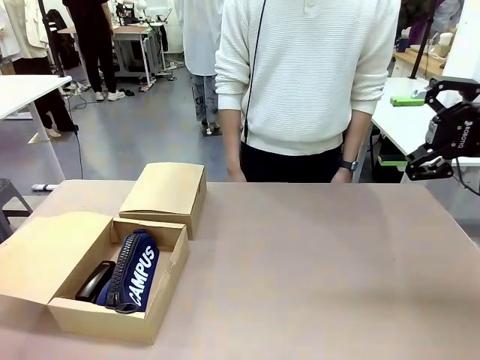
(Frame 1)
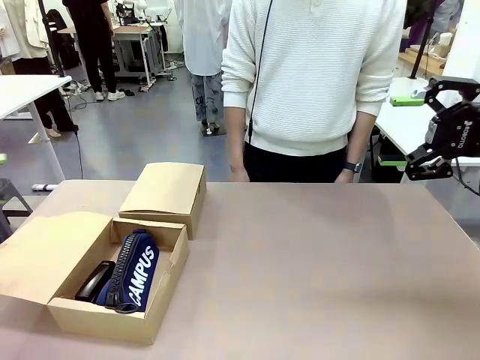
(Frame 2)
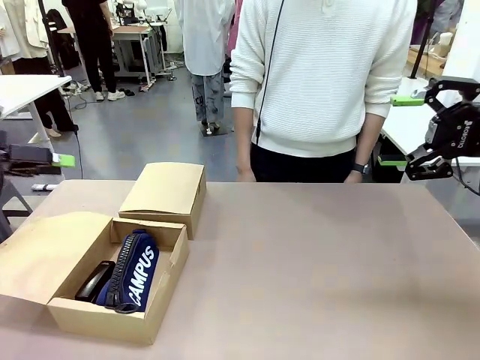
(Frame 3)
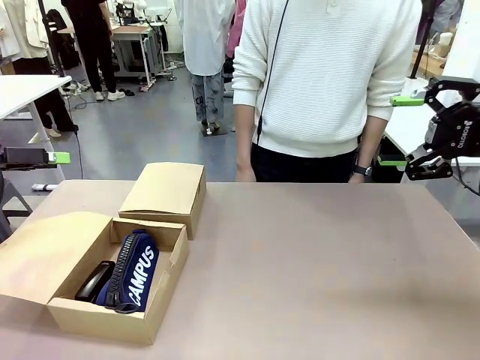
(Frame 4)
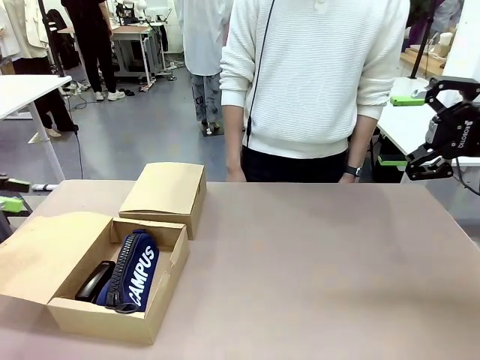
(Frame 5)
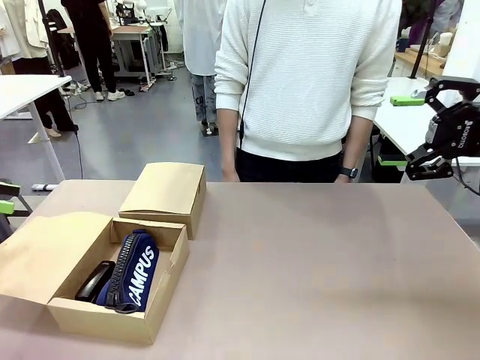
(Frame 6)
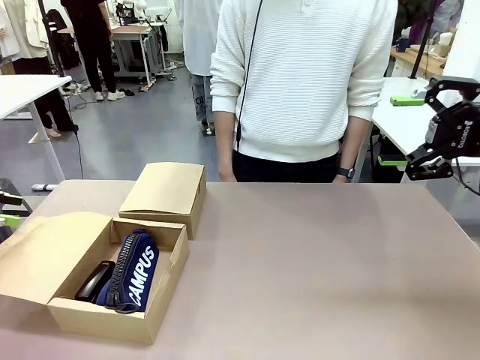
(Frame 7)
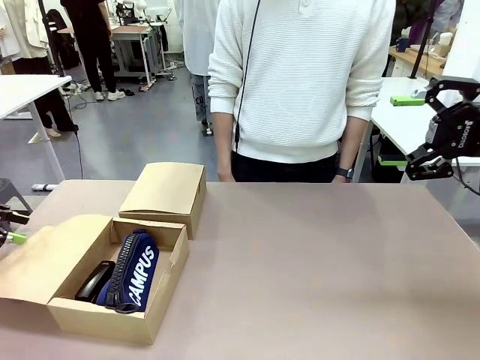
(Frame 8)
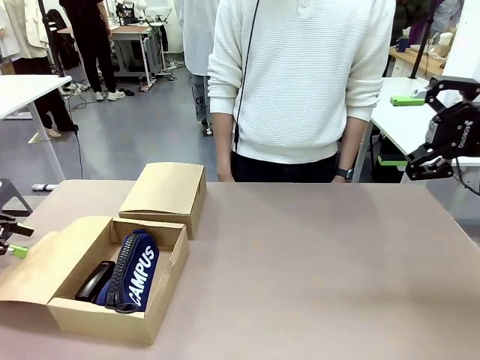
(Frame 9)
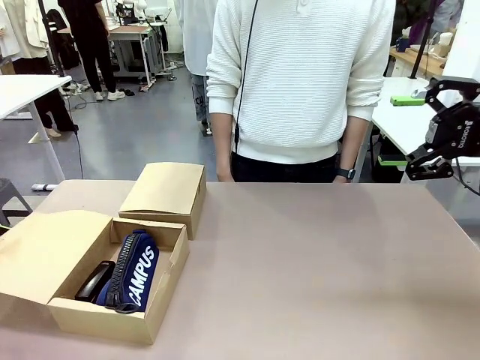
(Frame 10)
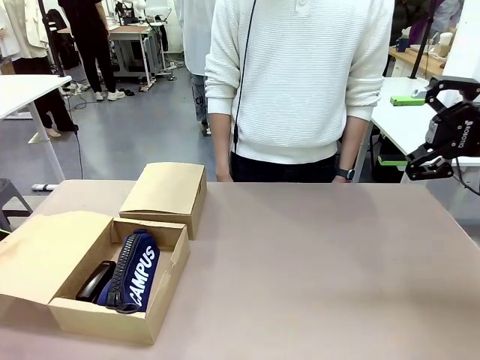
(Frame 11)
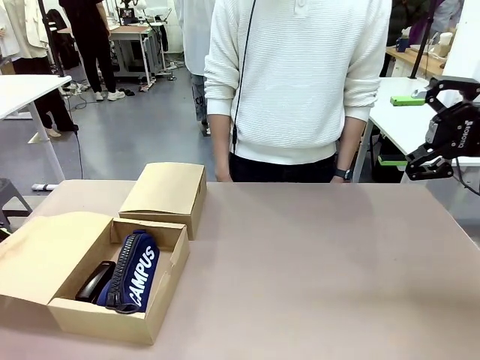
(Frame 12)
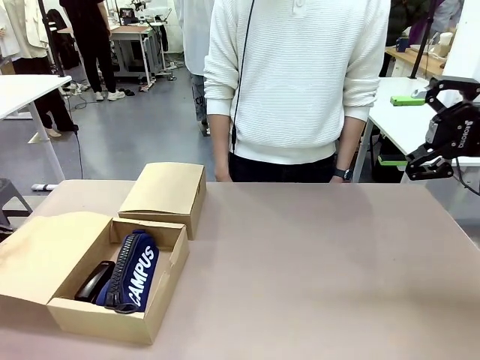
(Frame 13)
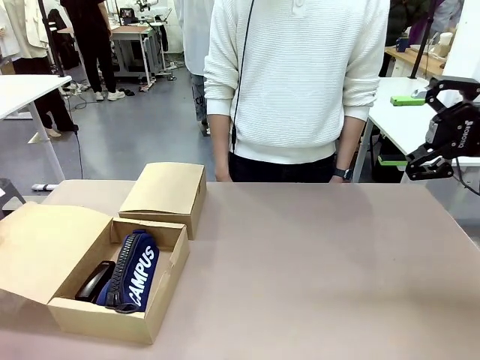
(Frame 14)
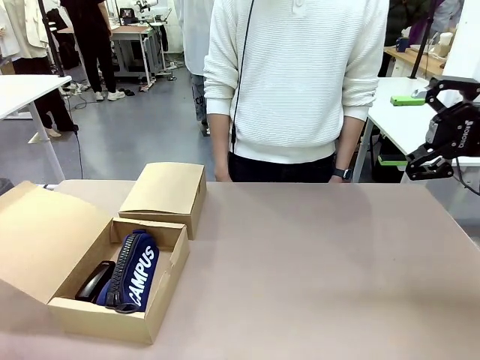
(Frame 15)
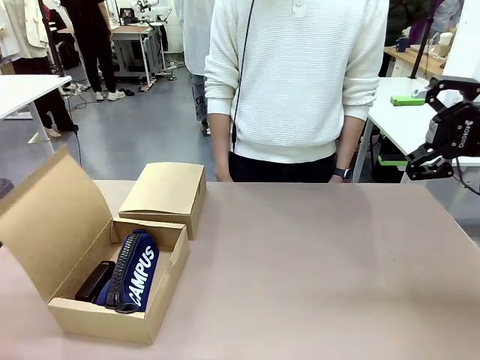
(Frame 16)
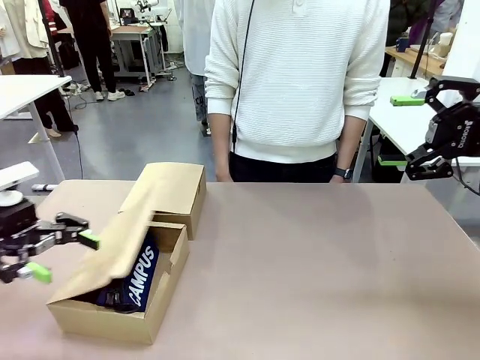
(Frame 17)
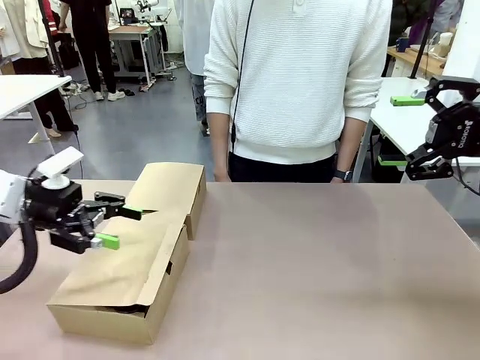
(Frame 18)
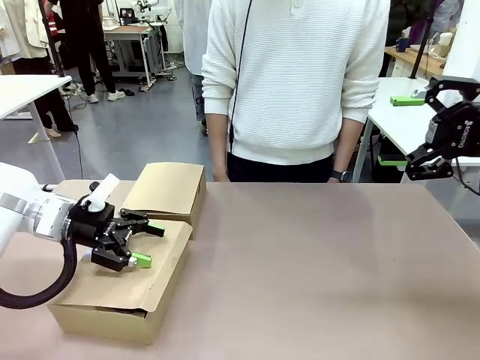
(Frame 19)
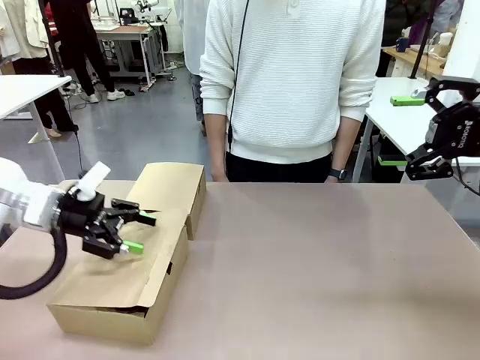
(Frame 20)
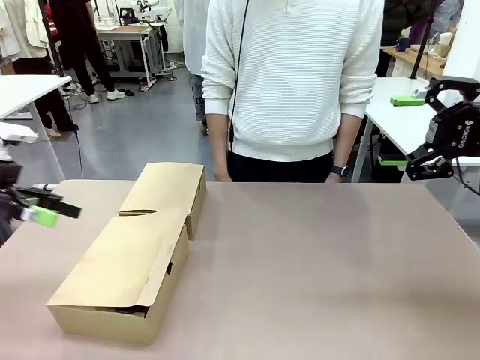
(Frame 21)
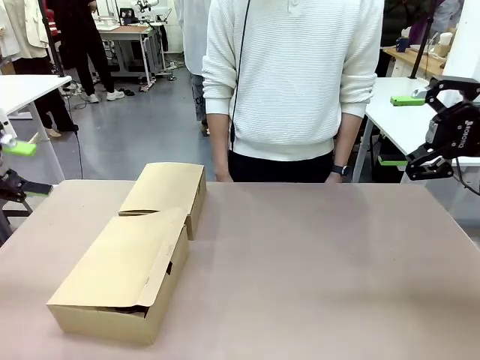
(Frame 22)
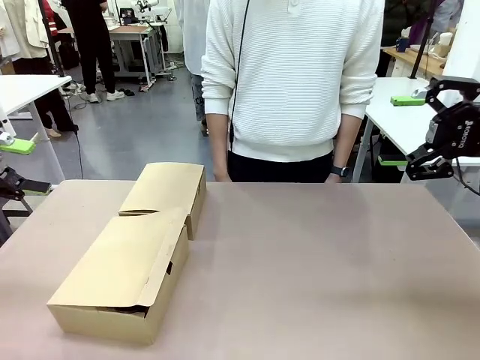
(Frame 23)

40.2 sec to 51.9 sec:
Task: Place items inside the box.
Robot: Close the lid of the Mailer Box closest to the robot.

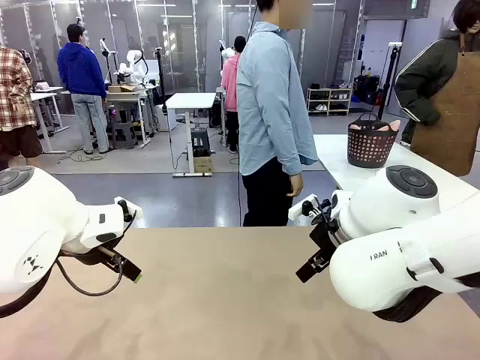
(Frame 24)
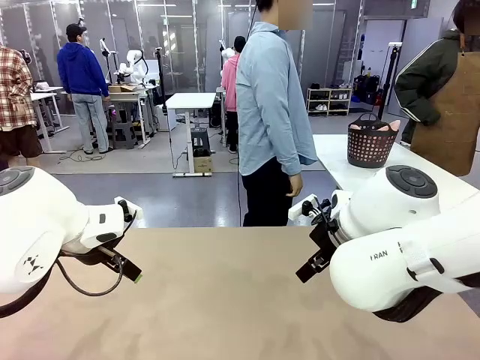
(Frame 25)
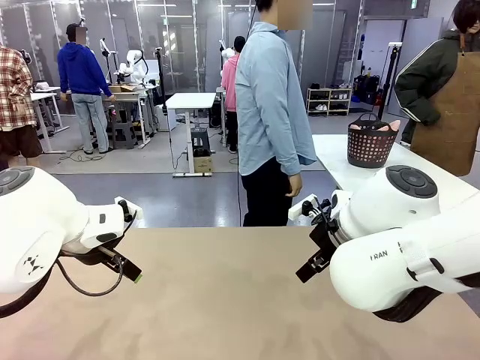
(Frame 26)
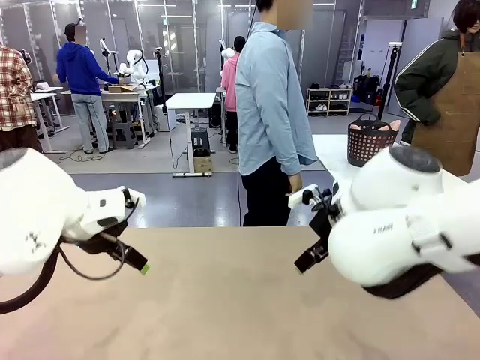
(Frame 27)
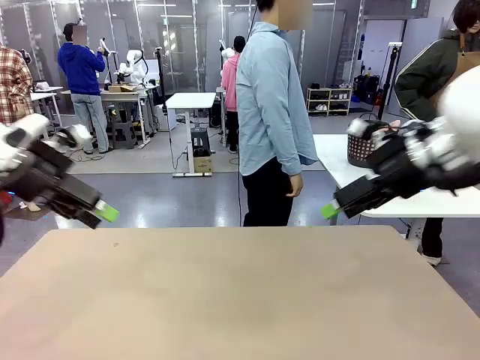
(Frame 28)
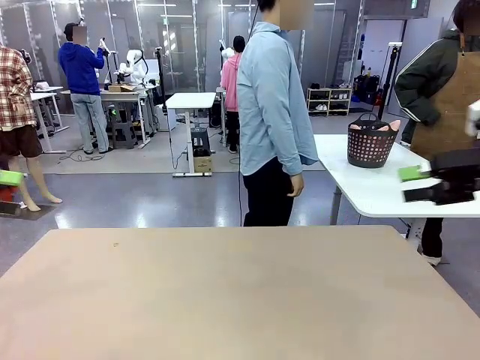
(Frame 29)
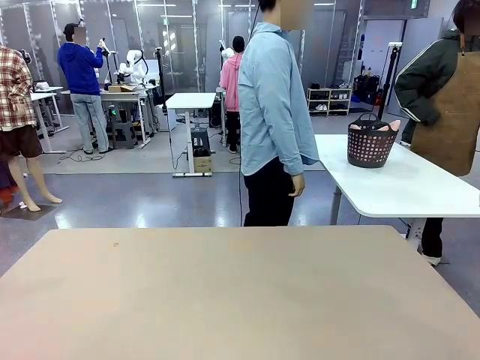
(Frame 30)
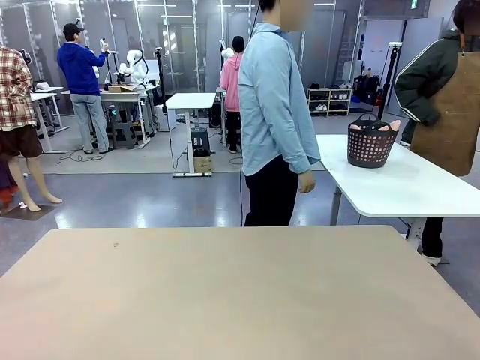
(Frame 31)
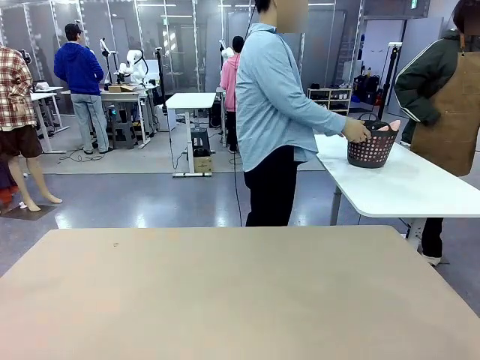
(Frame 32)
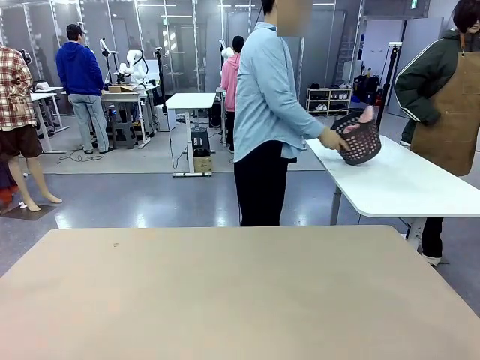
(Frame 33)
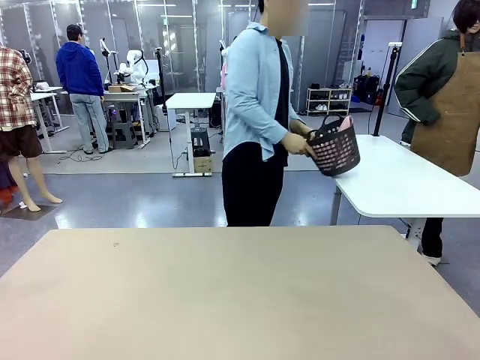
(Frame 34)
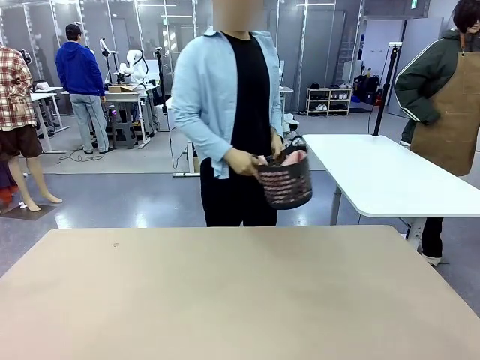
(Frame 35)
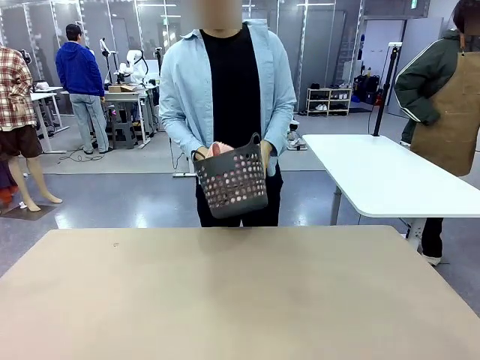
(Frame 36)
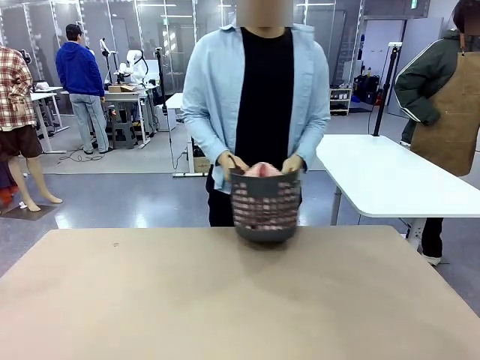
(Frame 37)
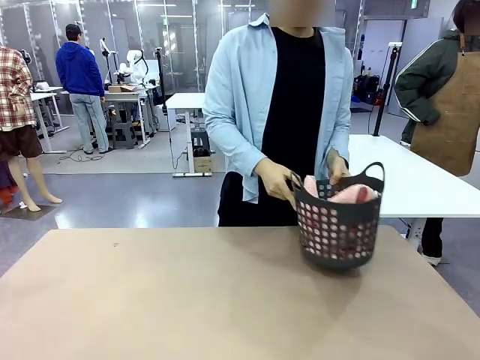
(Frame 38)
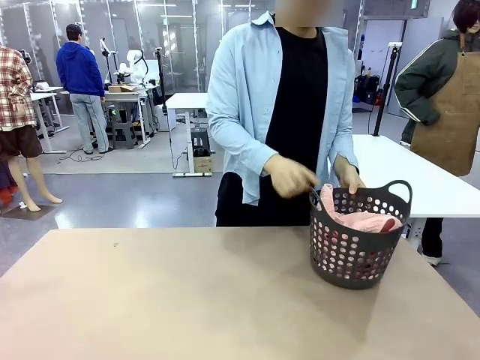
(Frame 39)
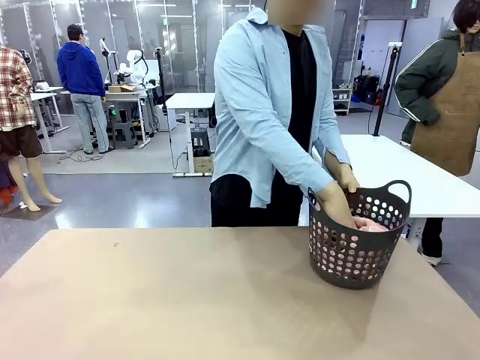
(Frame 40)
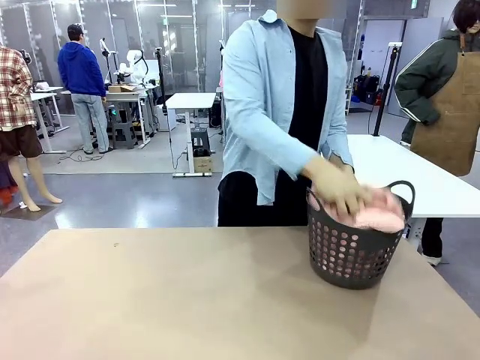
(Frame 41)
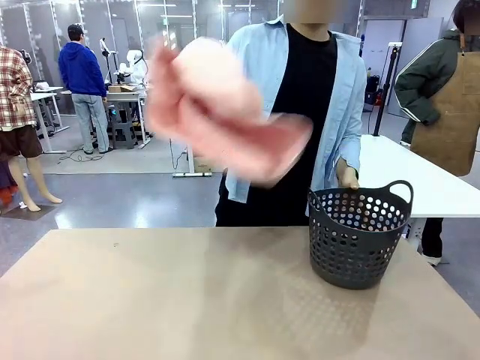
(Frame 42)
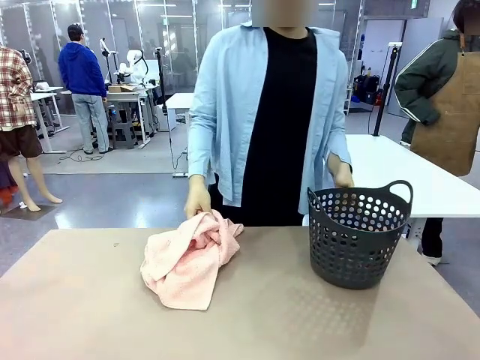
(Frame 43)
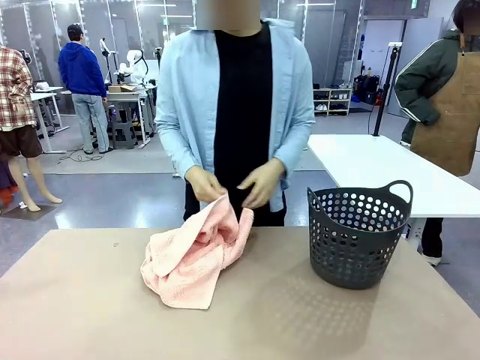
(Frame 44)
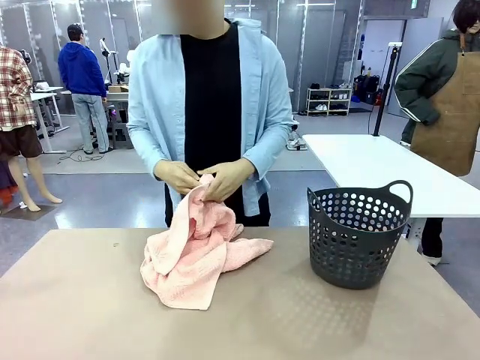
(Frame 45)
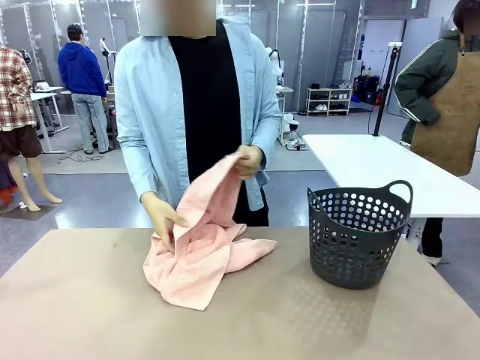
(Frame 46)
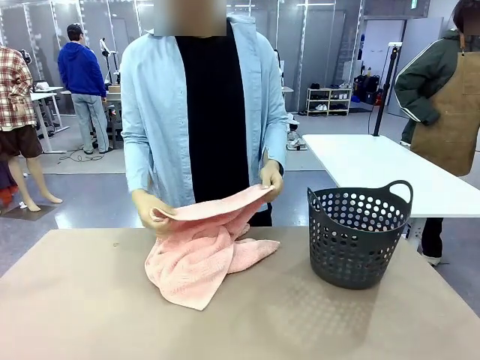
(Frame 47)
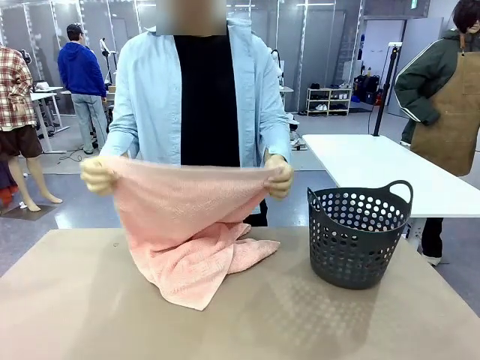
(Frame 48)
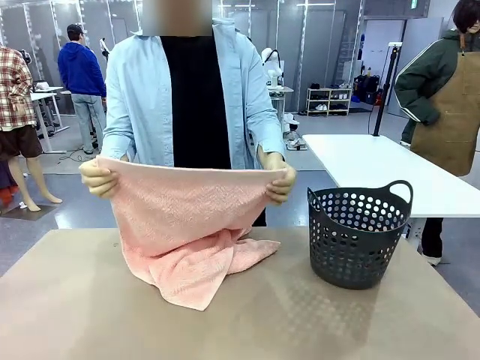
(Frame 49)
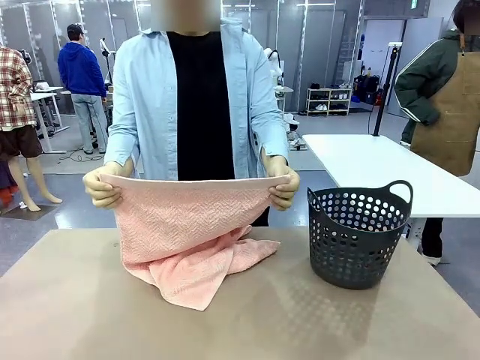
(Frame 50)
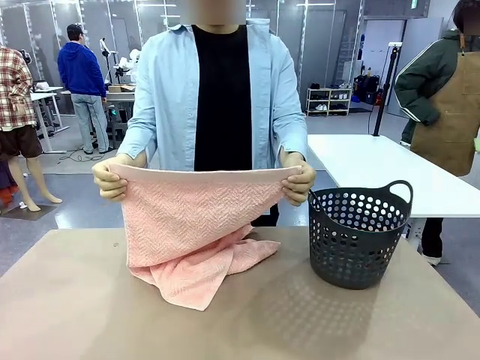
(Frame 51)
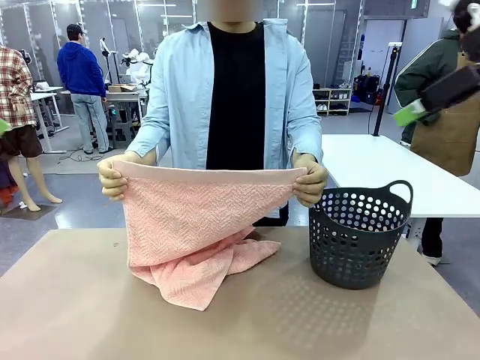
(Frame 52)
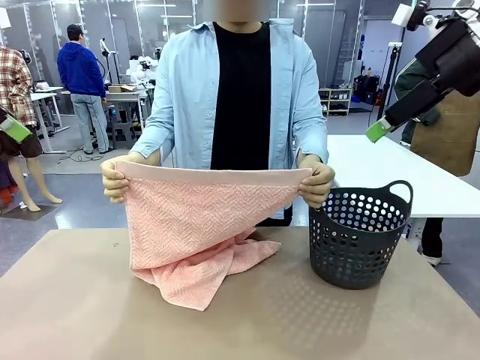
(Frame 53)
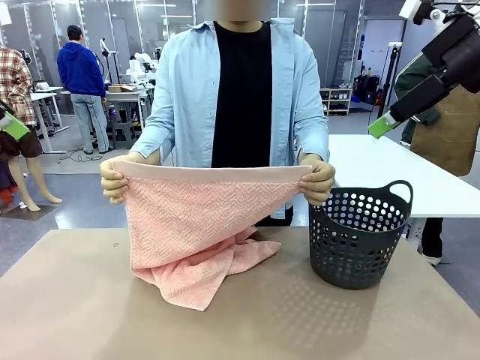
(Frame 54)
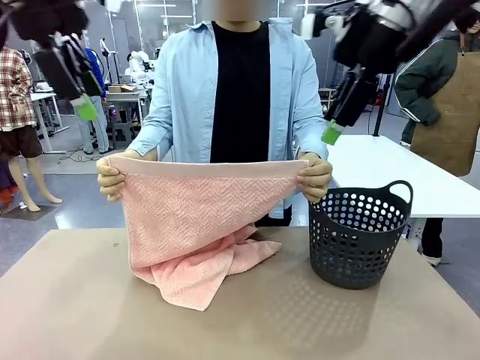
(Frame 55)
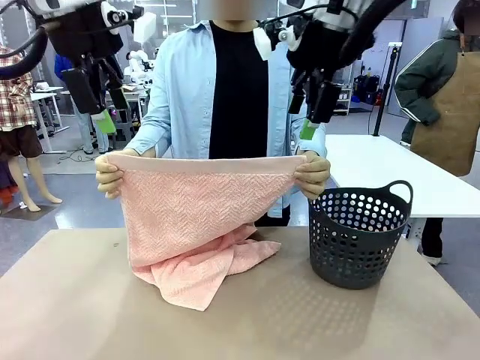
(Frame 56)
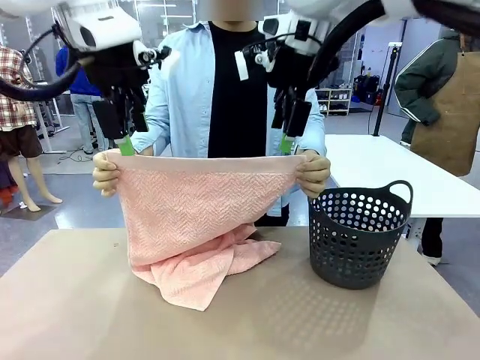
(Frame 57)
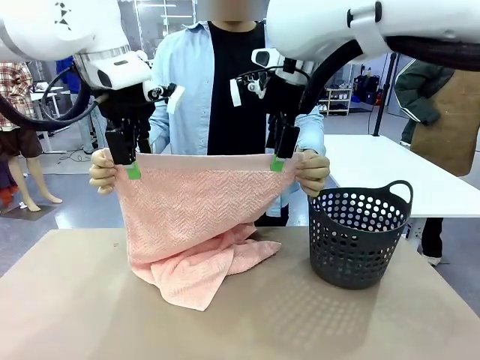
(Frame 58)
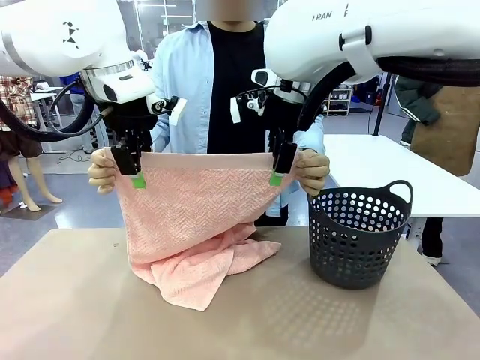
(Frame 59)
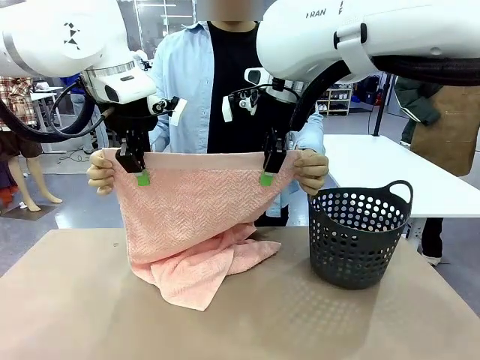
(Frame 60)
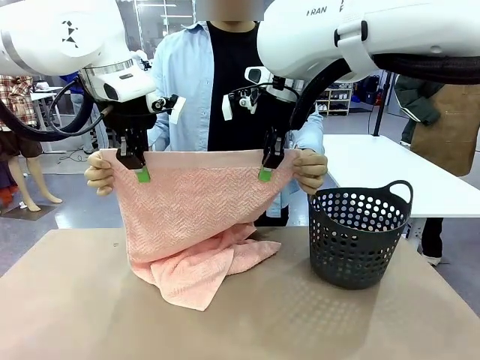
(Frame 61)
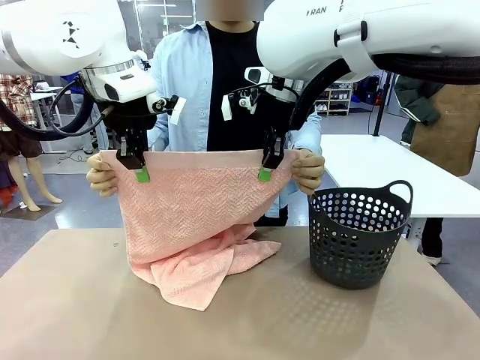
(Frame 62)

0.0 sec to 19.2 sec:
Task: Fold the towel.
Robot: Grab the top end of the 100 cm Hotel Towel extended by the human.
Person: Pick up the laundry basket, place it on the left side of the robot table, then take out a towel and hand it to the robot while holding both corners of one end.
